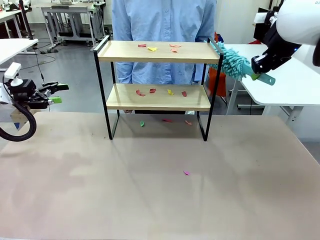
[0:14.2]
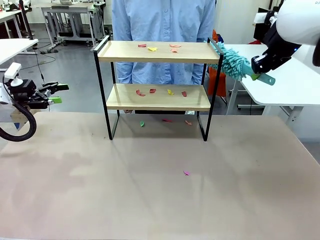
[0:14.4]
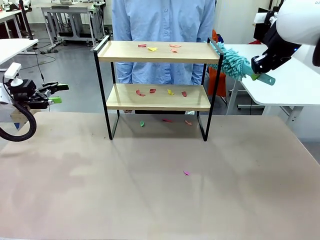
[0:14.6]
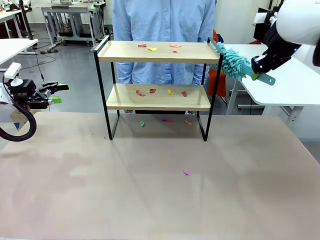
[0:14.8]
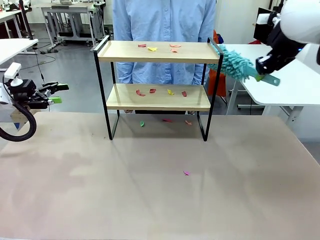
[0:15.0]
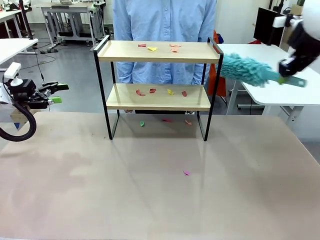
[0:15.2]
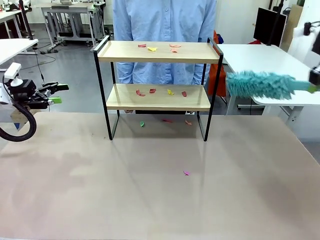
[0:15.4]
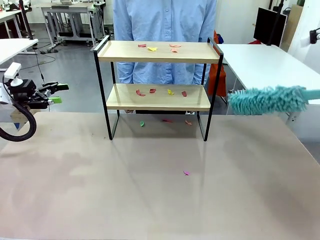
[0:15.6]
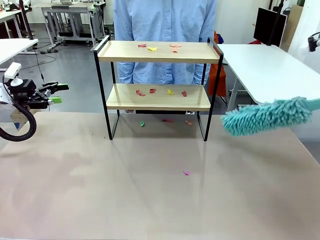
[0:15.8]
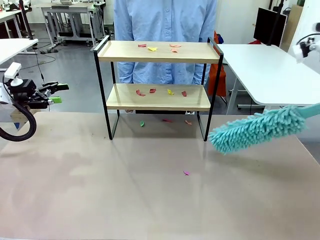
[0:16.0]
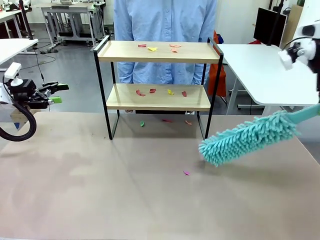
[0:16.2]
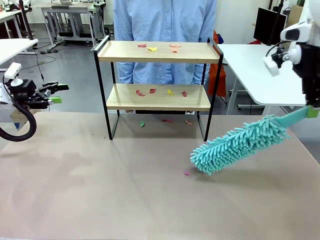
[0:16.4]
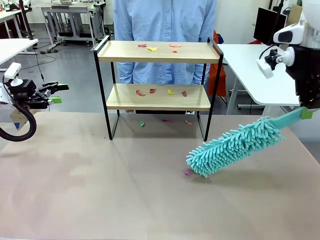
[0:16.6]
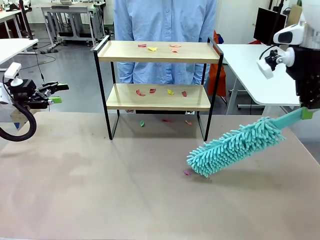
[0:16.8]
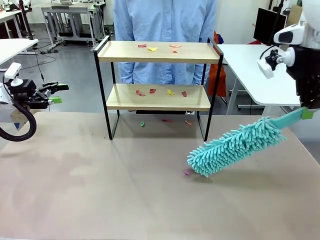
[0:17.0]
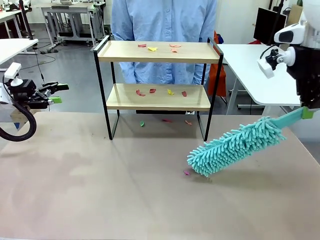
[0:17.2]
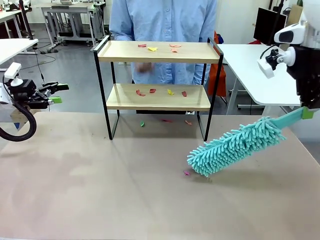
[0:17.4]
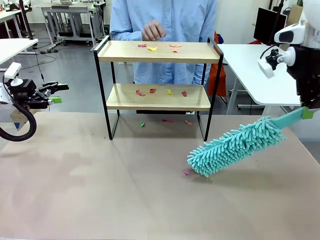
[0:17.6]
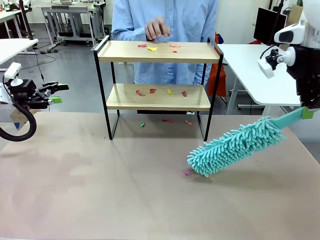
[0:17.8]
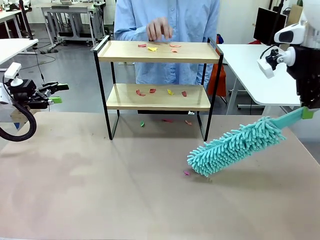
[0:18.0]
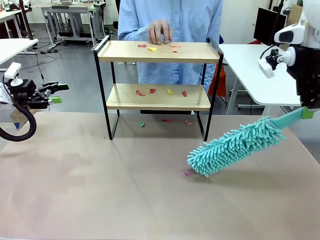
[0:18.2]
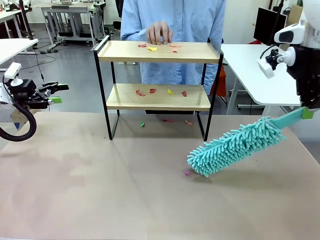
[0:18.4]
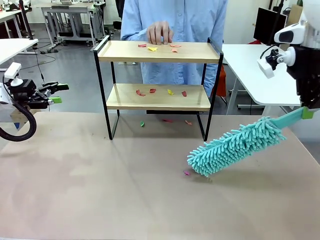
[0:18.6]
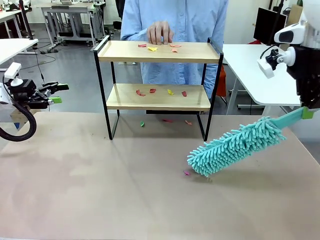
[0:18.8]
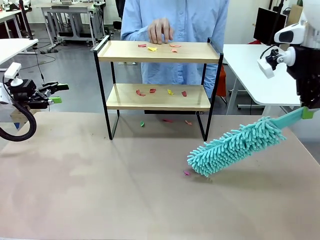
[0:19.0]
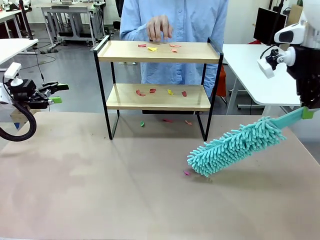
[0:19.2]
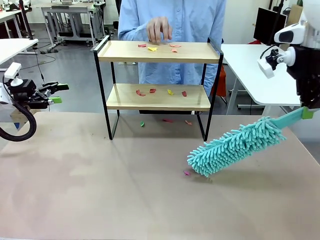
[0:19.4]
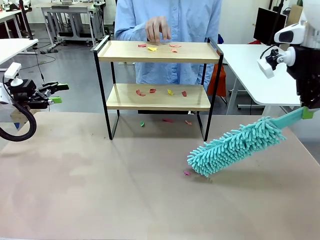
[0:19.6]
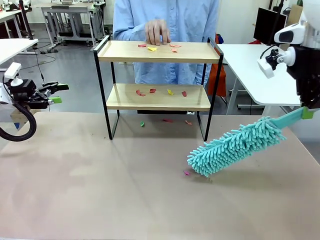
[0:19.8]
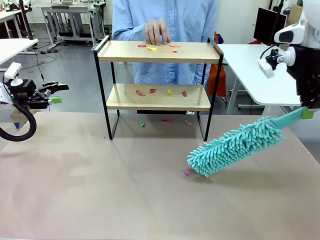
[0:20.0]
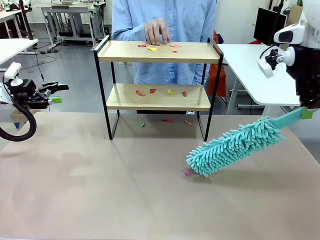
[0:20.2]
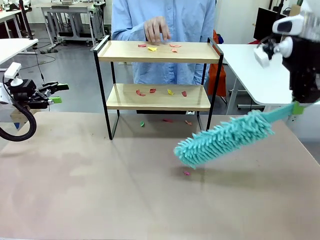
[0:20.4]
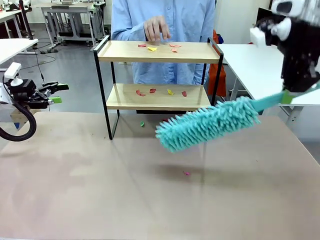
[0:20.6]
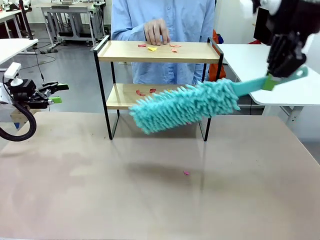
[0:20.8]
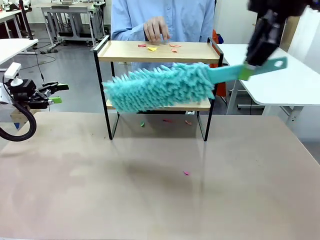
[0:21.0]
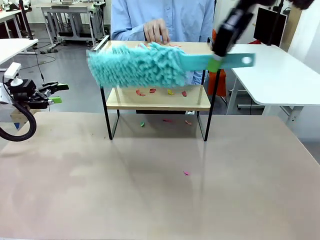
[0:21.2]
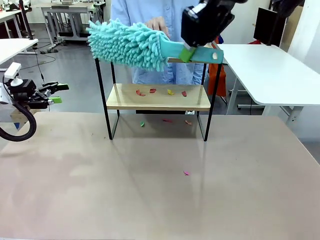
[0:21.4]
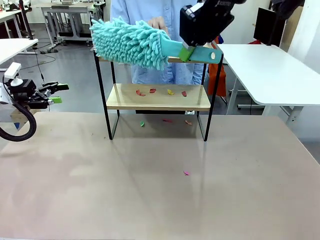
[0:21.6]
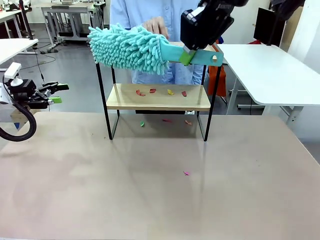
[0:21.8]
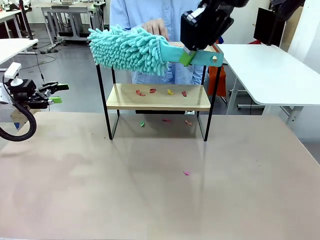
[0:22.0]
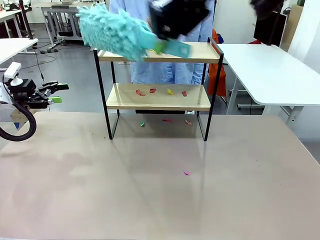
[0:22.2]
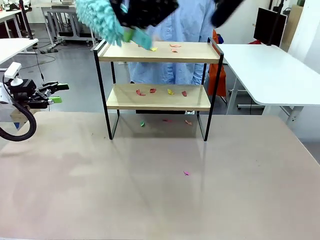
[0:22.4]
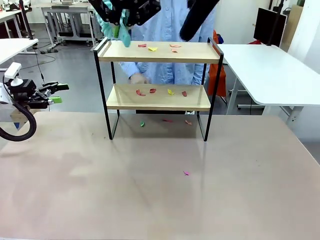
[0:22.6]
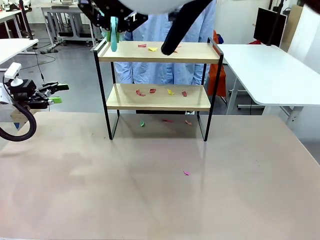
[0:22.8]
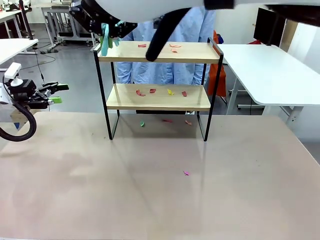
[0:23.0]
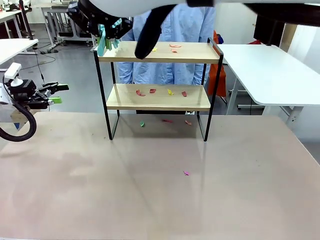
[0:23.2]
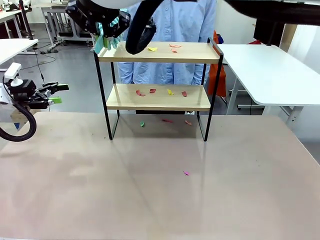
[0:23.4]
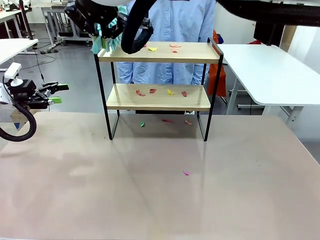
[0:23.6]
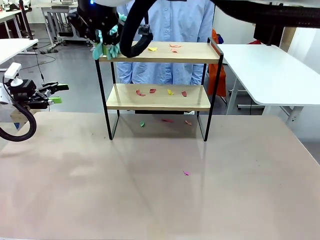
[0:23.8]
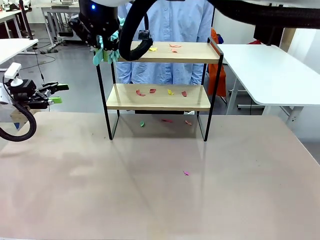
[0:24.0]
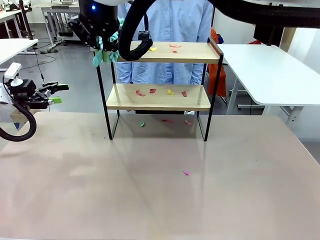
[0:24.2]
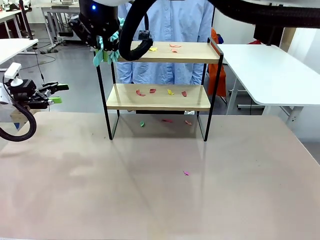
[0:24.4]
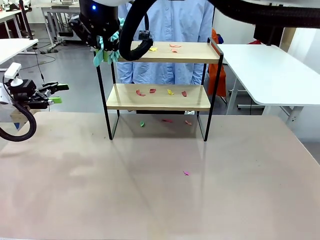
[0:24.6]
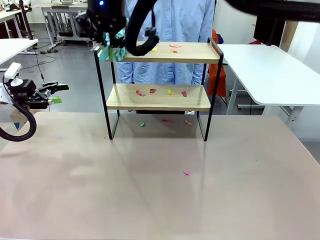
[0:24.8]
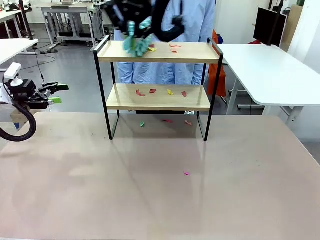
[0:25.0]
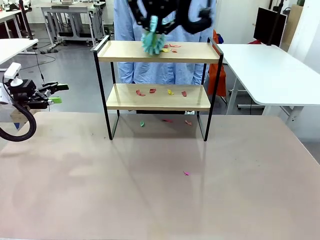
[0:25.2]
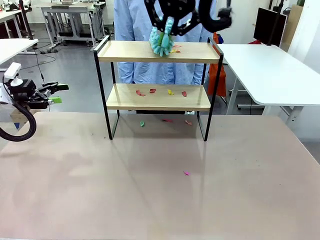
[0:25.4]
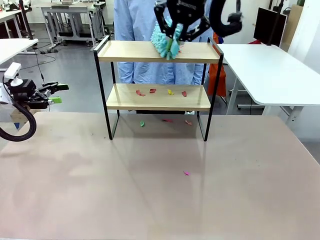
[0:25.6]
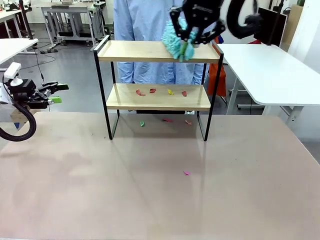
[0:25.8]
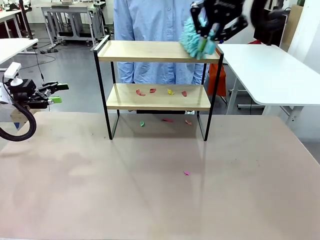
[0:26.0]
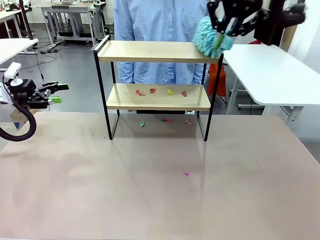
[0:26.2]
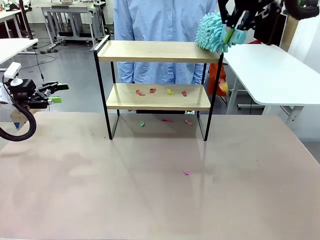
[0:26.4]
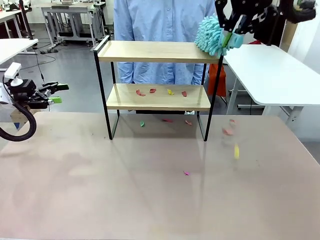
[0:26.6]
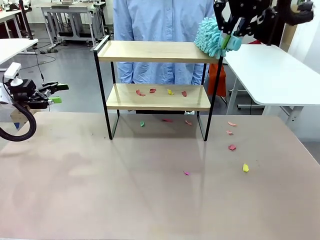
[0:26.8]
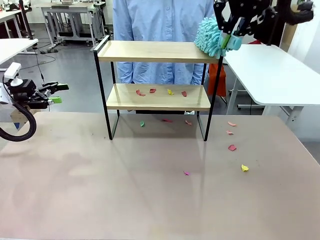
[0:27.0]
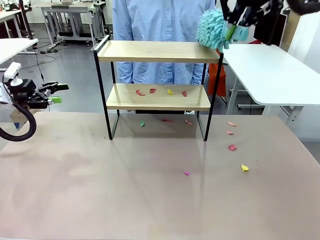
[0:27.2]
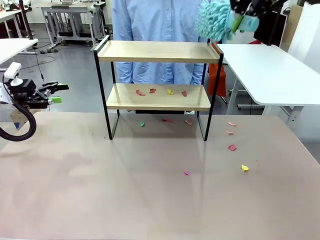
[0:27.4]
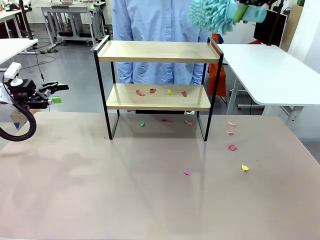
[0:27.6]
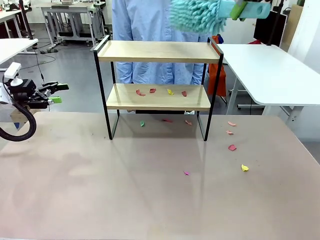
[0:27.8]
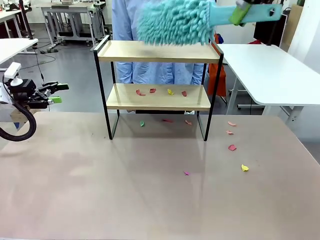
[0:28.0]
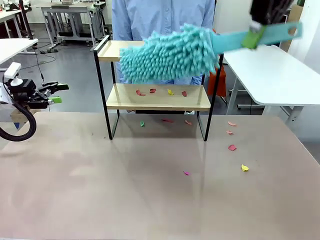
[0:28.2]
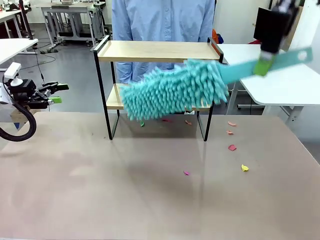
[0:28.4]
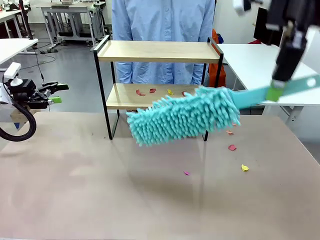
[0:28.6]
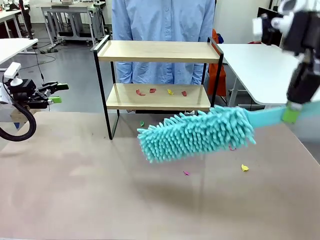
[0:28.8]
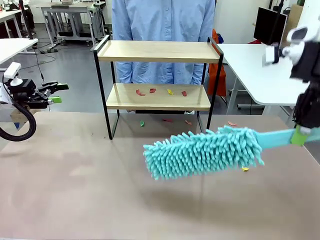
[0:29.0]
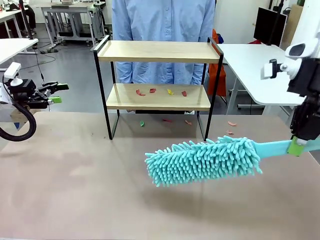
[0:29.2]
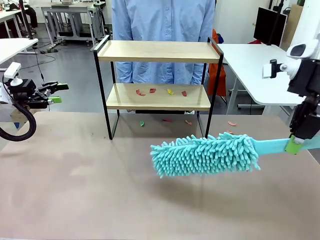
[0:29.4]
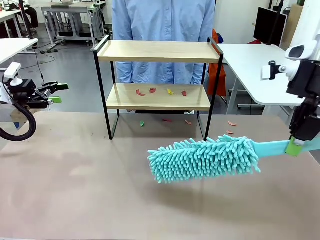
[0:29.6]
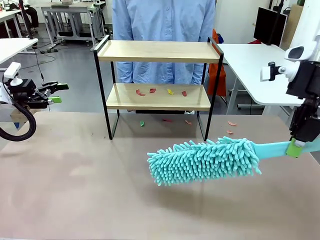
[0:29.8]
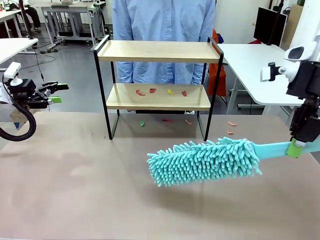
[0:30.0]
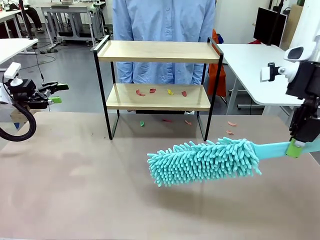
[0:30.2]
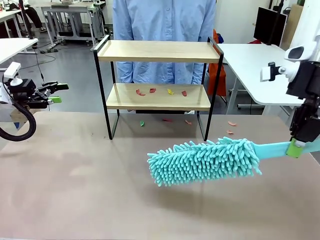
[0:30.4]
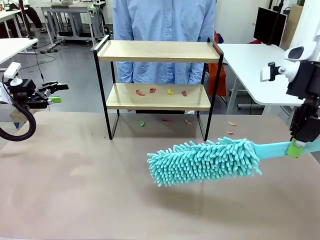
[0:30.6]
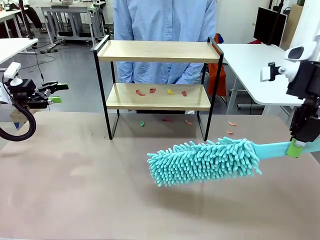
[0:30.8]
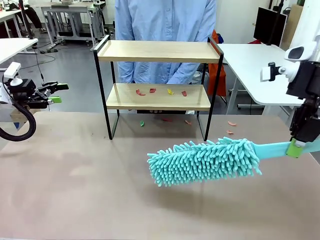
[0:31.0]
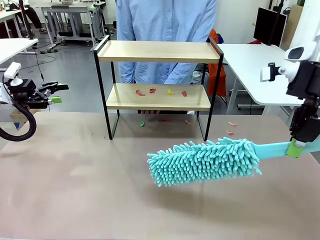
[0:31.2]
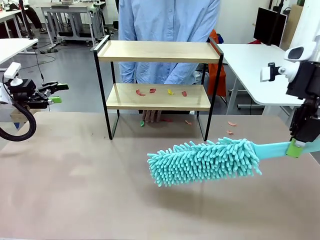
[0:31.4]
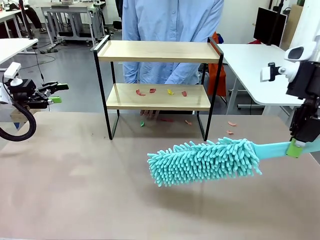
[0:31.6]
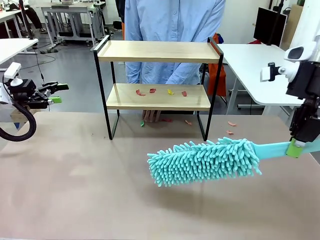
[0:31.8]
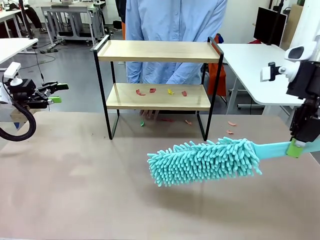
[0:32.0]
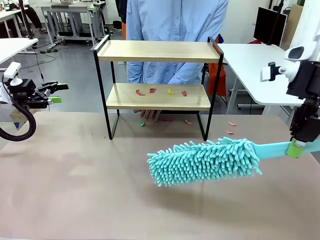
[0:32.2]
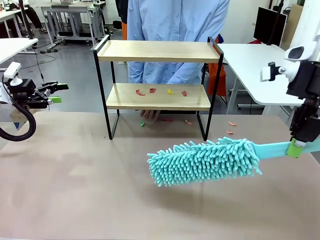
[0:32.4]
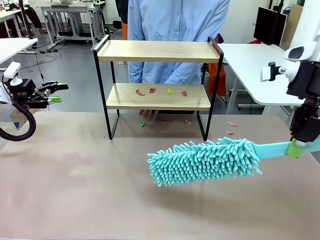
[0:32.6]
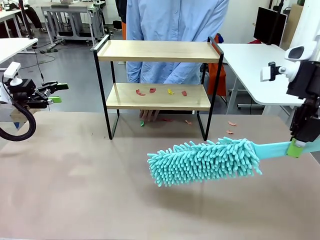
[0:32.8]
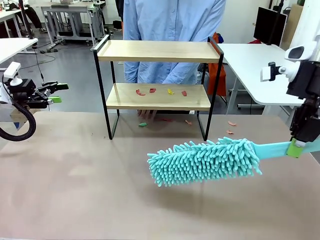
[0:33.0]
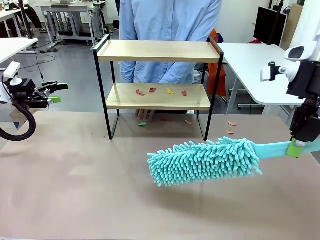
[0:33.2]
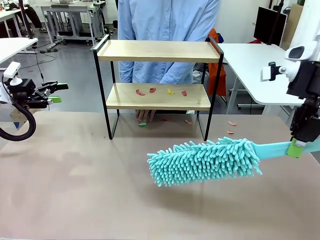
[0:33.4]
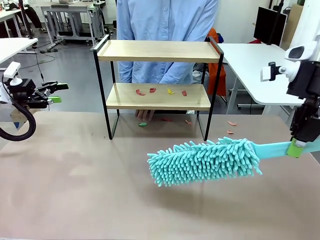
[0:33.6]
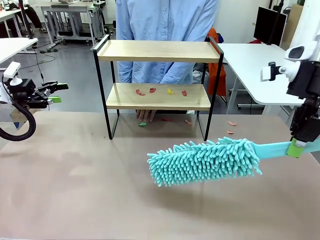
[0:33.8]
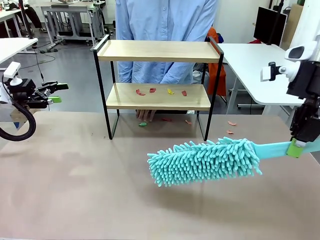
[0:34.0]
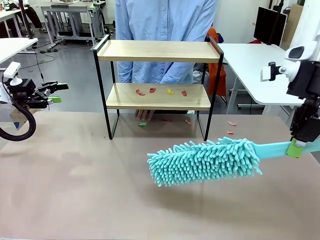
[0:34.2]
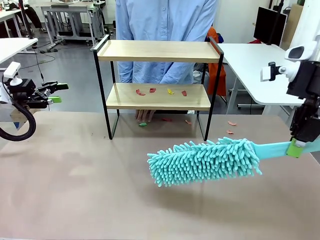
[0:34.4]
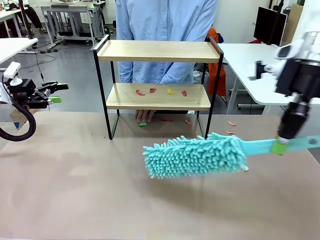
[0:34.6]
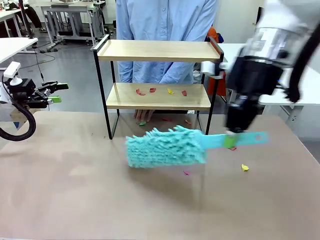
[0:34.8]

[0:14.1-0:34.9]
Task: Clean the shelf.
Robot: Clean the specific section of the Shelf indicated by the human with the Duster.
Person: Point a random section of the Shelf.
